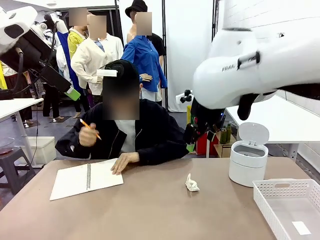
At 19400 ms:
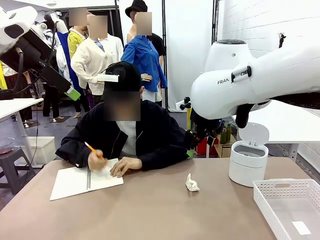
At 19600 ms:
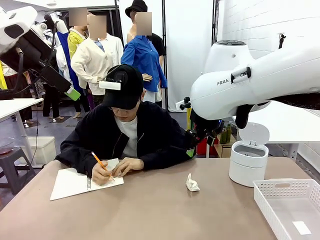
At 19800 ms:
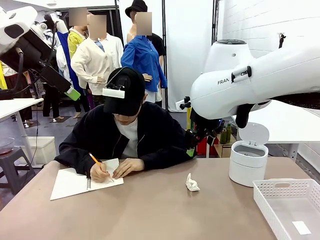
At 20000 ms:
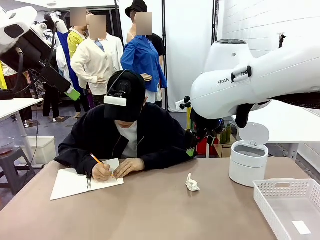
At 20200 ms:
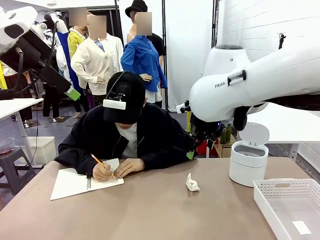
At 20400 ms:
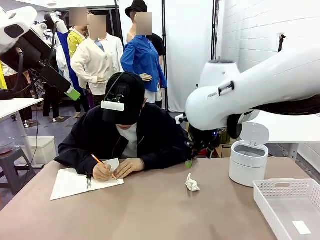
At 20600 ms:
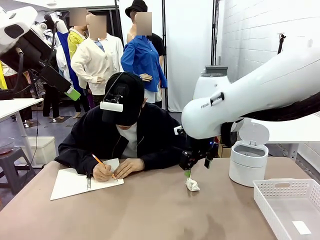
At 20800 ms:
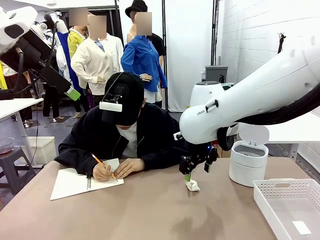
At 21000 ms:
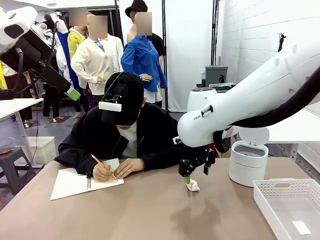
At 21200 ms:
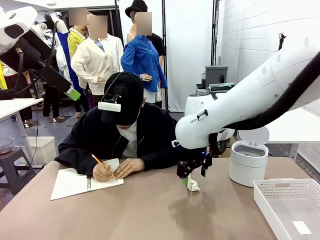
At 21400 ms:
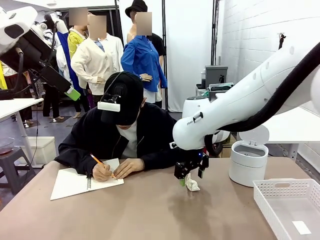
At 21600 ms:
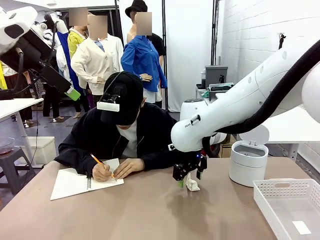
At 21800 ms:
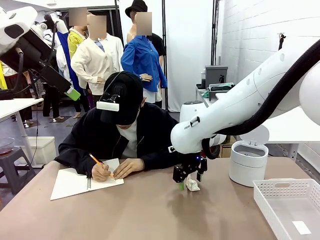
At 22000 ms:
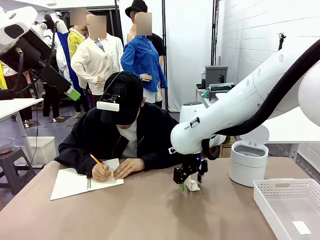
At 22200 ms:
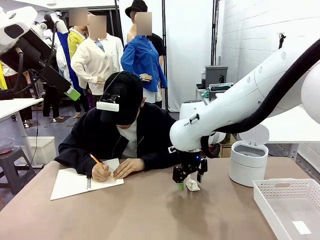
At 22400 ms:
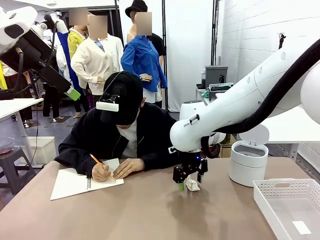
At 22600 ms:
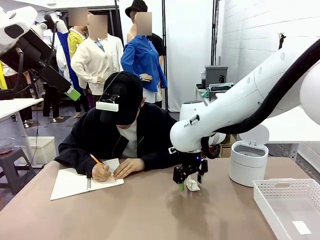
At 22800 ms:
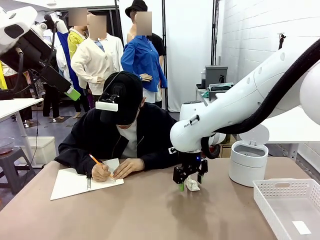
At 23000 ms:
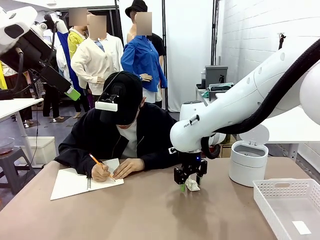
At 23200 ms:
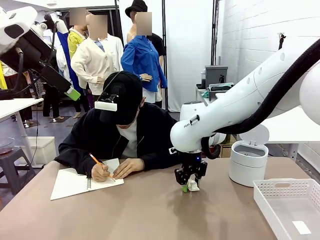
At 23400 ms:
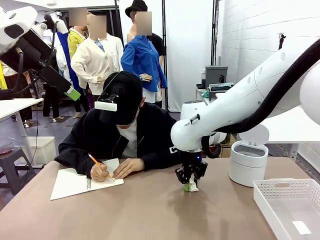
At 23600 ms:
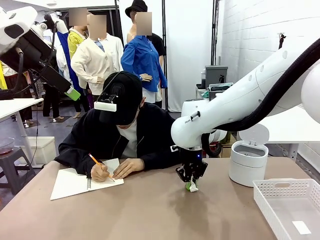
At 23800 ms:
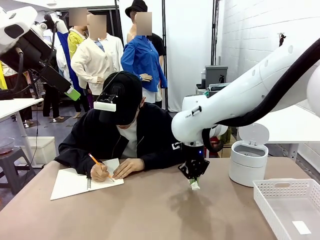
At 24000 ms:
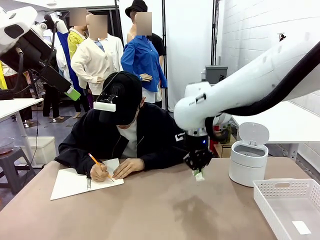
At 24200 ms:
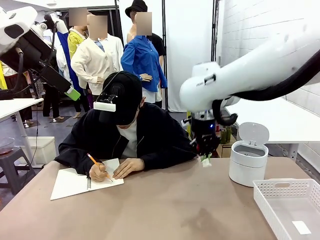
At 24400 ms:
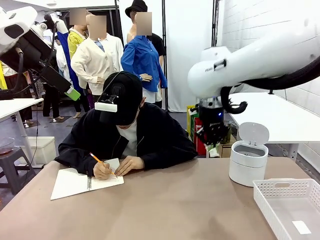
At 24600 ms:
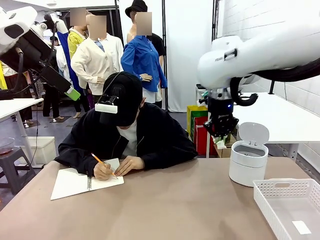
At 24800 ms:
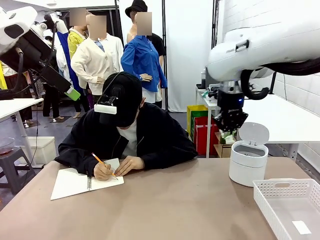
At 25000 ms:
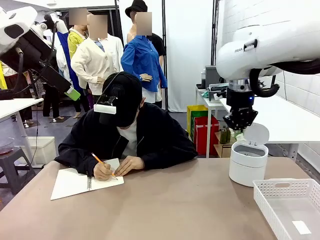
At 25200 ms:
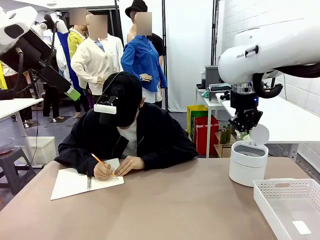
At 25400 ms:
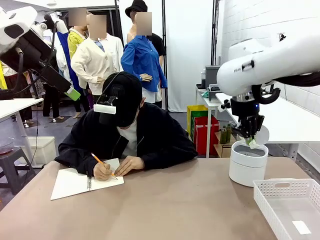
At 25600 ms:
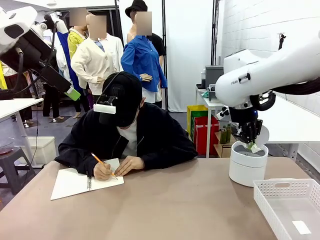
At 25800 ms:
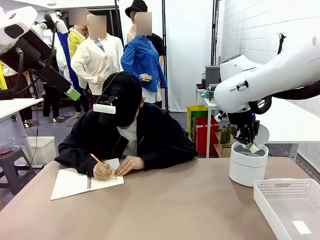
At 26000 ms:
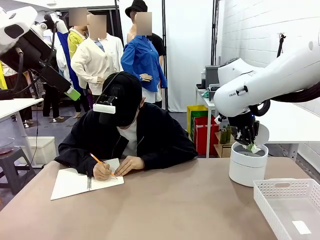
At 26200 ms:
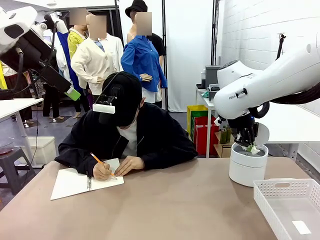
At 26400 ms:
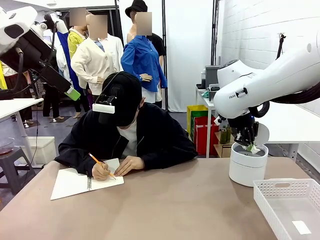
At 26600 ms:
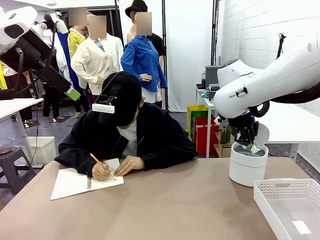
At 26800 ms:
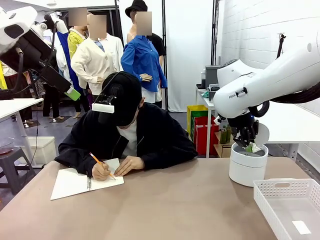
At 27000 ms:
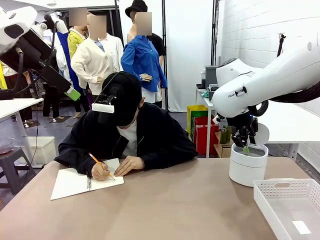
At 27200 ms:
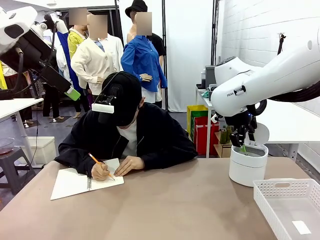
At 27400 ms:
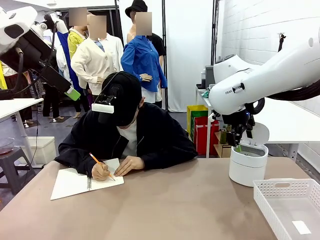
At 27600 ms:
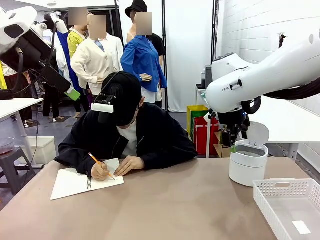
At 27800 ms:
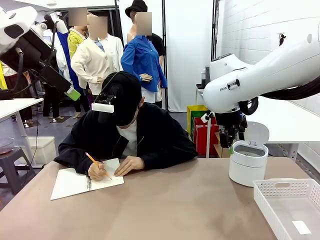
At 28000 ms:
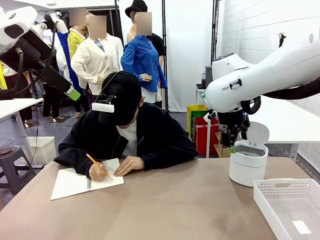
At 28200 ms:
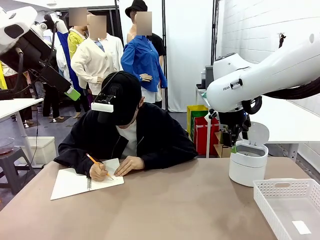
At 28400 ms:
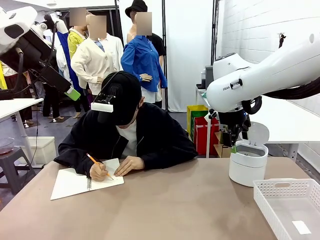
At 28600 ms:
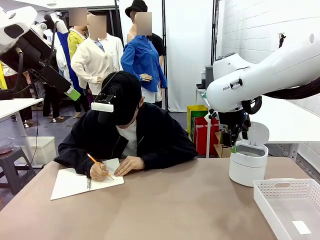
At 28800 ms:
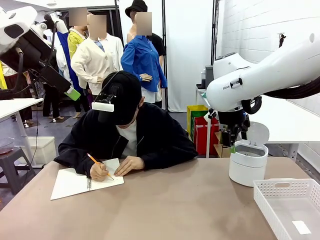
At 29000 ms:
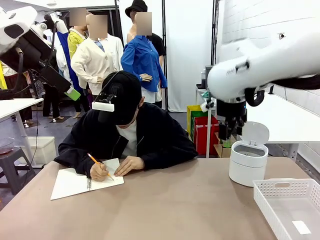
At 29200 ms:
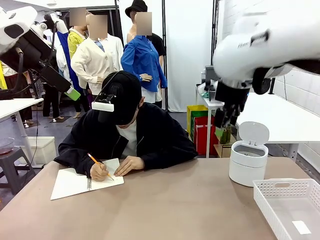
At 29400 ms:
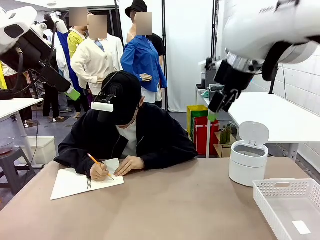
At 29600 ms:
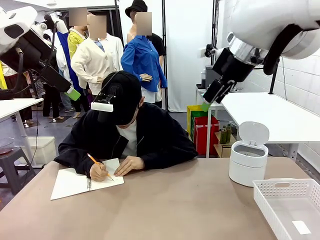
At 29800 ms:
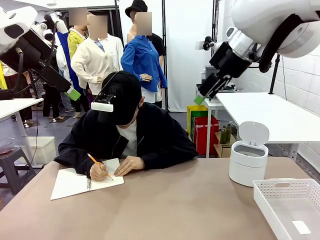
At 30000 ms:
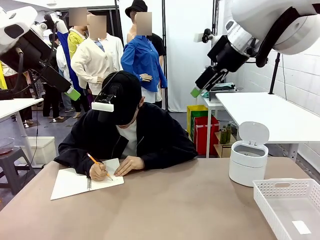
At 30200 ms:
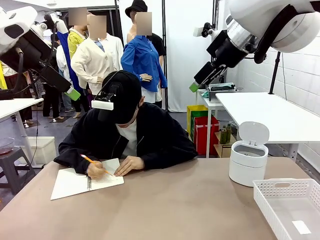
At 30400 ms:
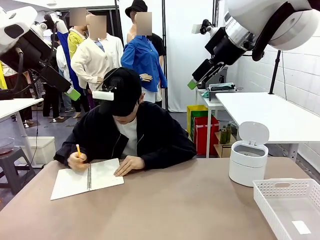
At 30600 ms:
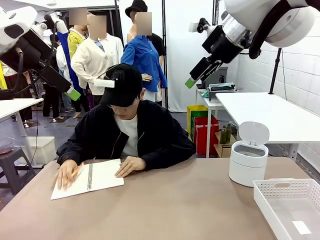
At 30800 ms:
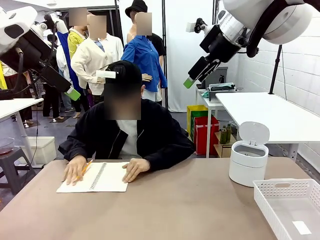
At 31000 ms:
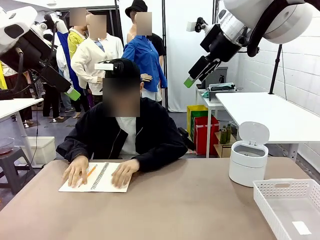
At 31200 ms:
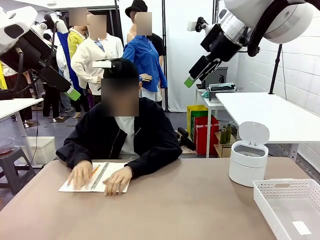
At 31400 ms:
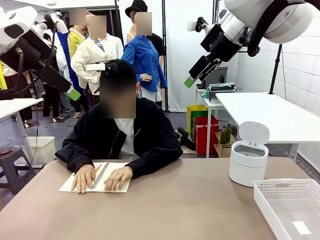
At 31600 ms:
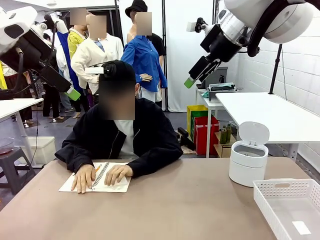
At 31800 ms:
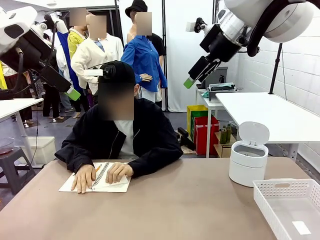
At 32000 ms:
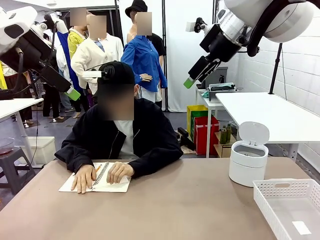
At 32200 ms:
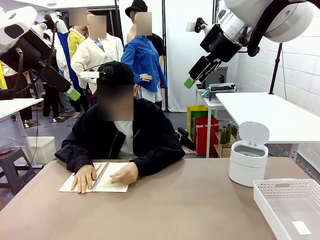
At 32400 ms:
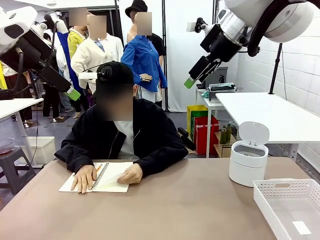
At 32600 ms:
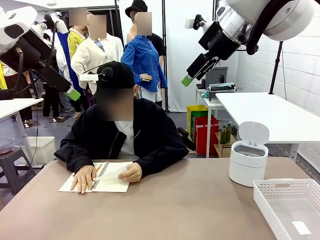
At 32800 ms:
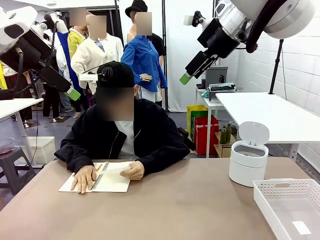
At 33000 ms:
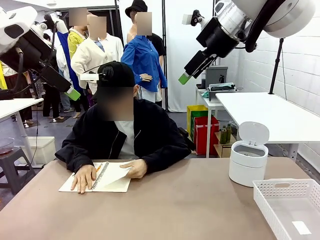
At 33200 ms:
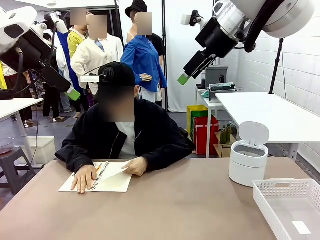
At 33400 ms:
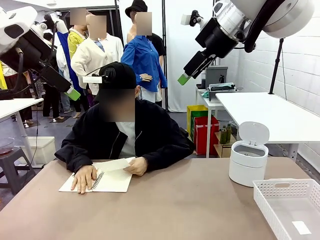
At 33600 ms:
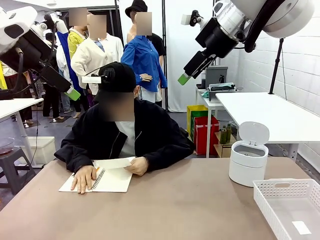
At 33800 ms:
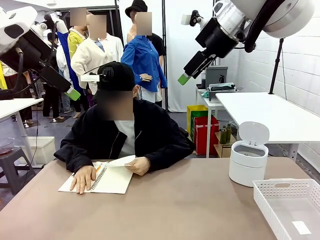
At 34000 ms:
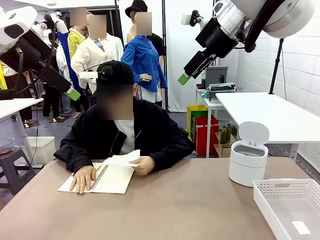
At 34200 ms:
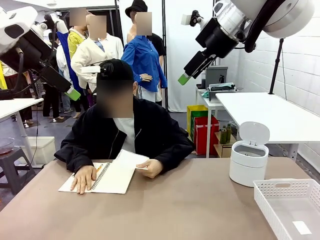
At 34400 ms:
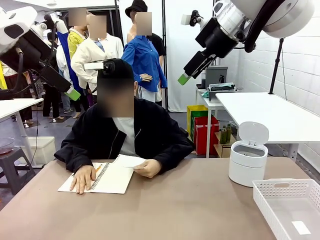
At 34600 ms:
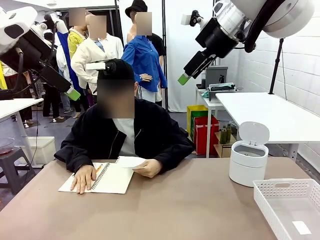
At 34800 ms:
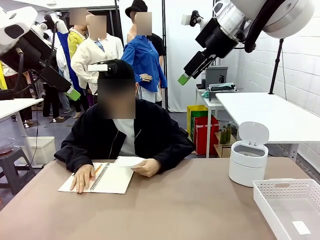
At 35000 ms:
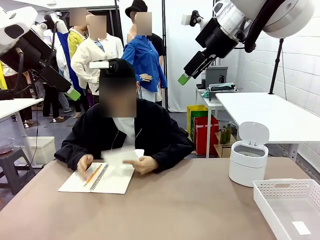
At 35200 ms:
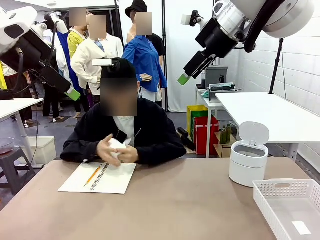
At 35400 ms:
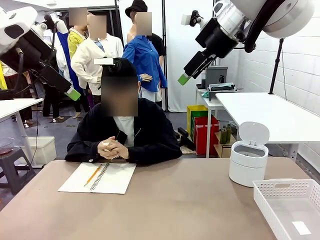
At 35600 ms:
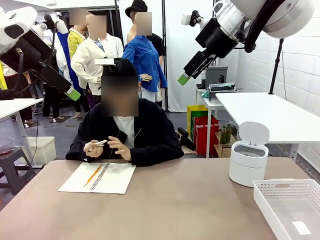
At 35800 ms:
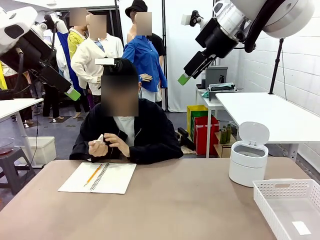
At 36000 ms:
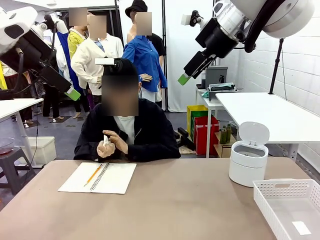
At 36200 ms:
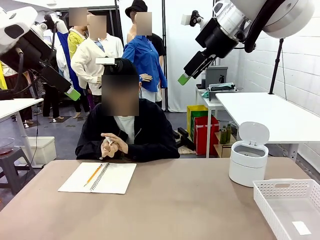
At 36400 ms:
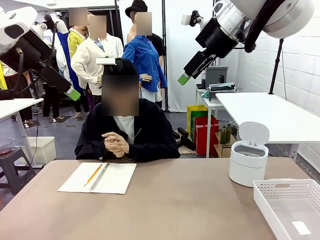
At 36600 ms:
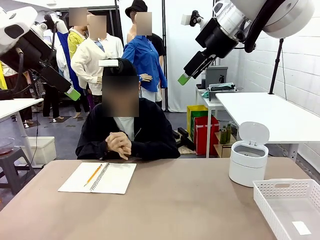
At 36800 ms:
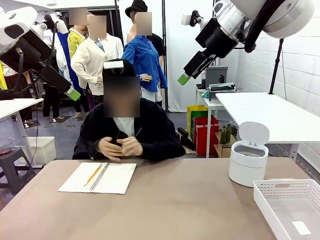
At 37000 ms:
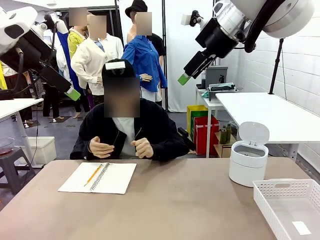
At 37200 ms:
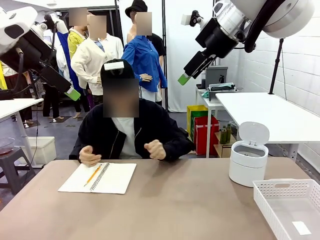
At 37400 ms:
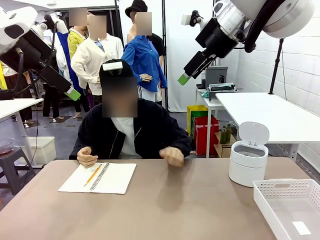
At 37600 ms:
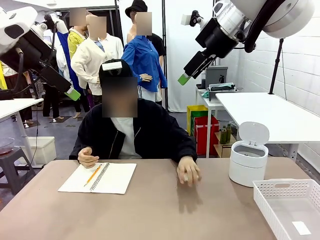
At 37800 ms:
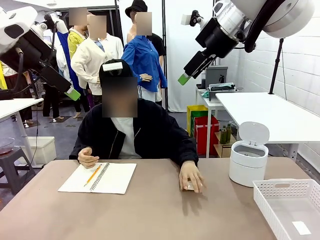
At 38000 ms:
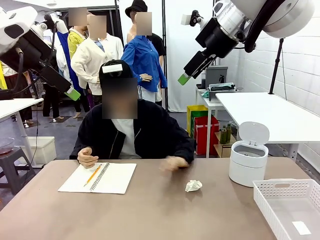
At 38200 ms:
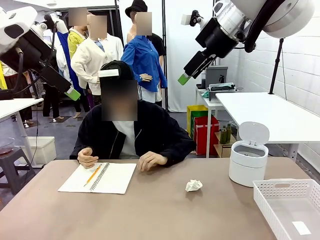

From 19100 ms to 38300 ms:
Task: Sort the paper based on its condition.
Robot: If a person hands you a paper, place it in the Organizing basket , and if it's crumpled, put it in the Trash can.
Person: Tear out a page from the spiral notebook. Hand the torn page to the robot or crumple it and throw it to the center of the table.
